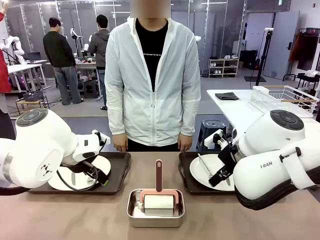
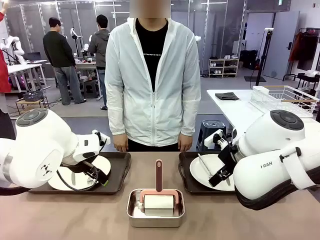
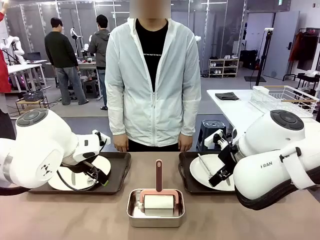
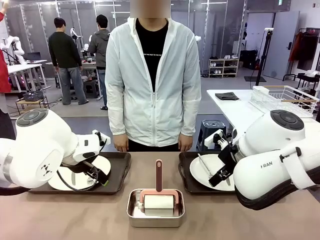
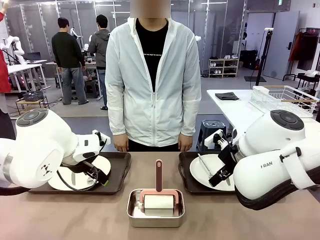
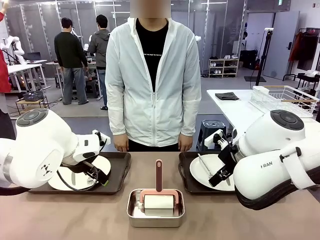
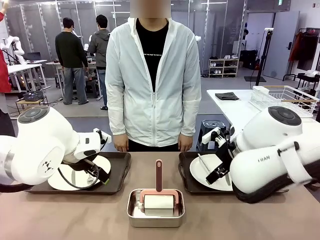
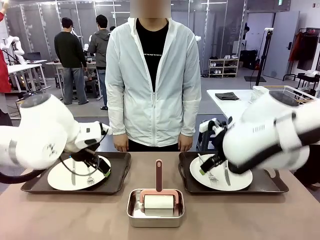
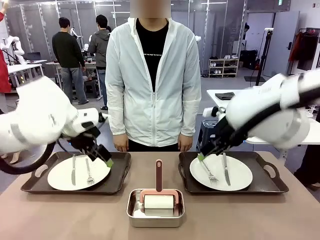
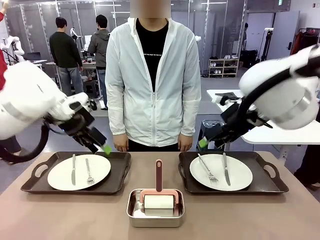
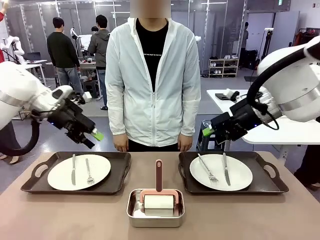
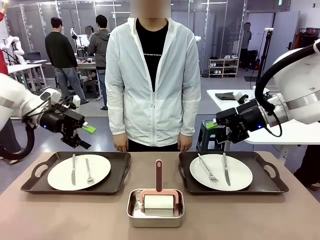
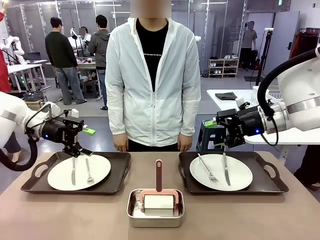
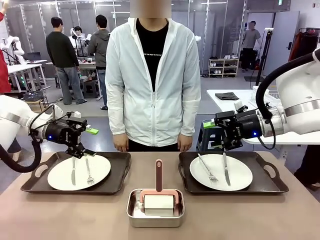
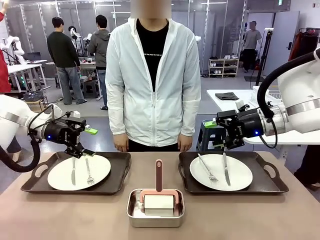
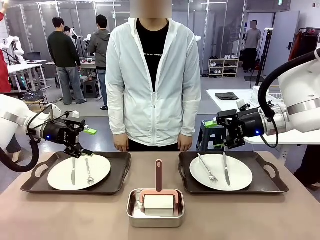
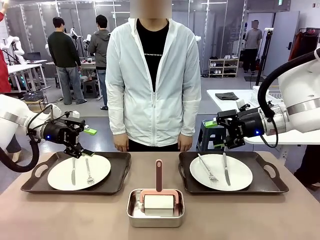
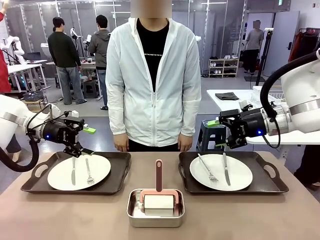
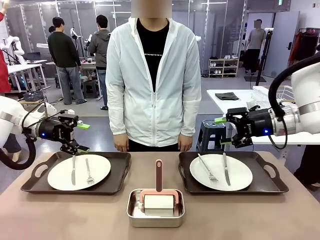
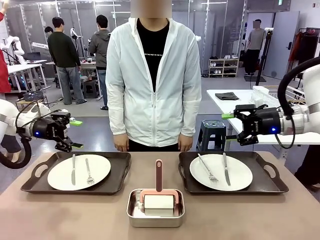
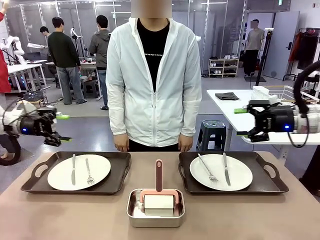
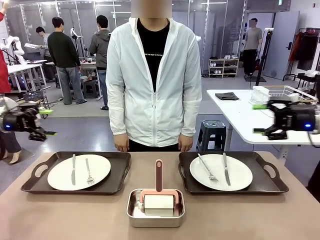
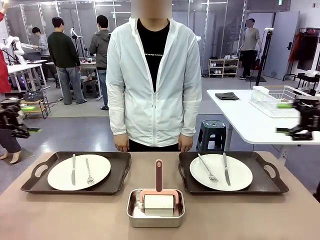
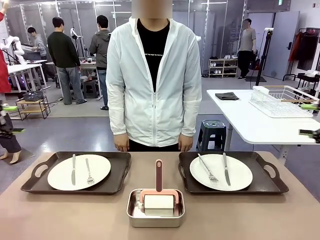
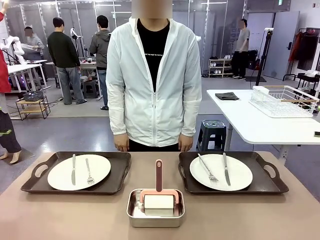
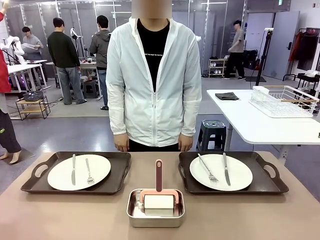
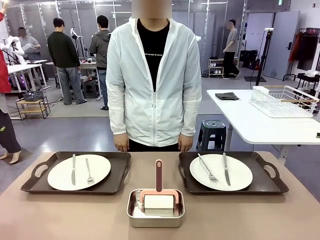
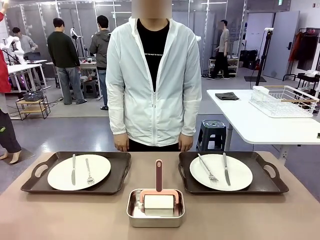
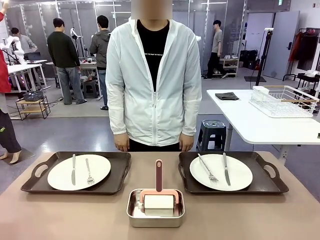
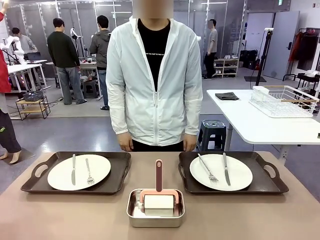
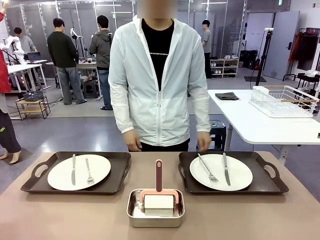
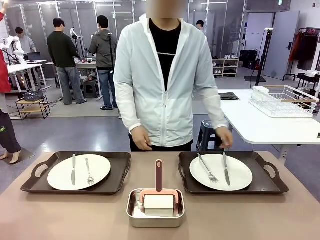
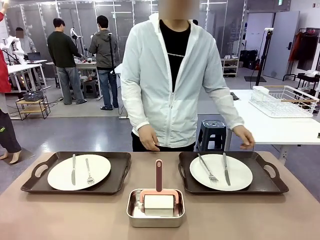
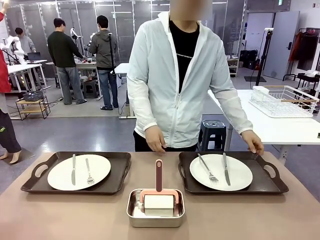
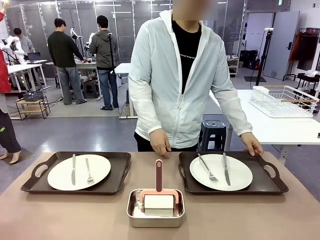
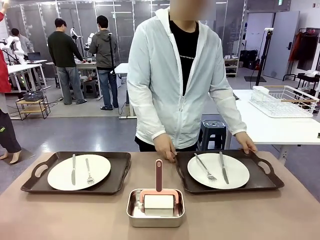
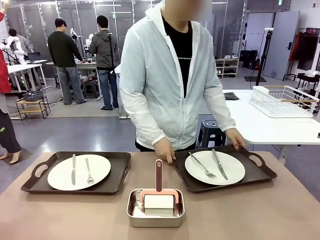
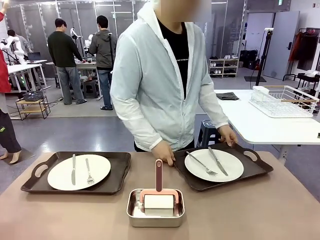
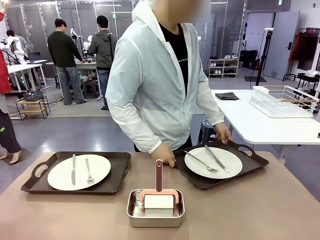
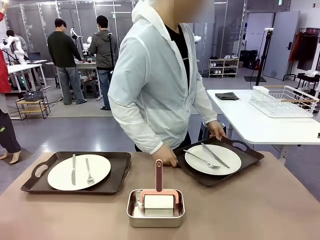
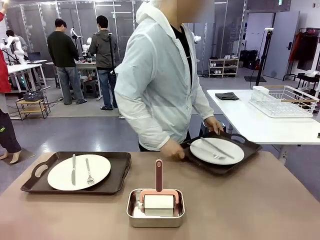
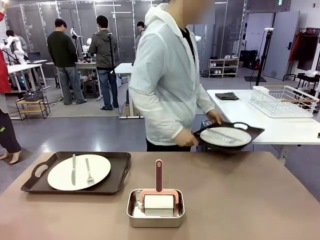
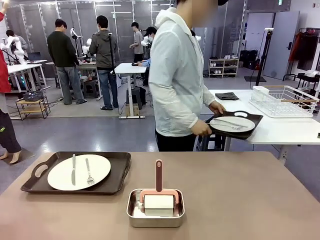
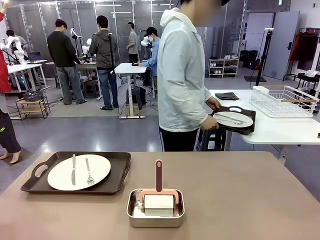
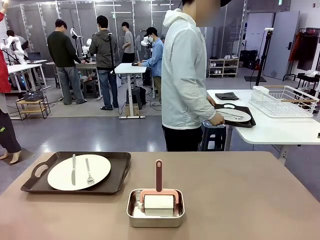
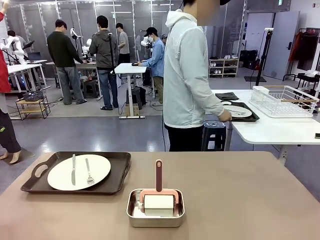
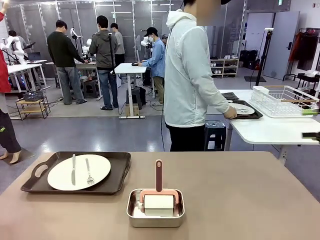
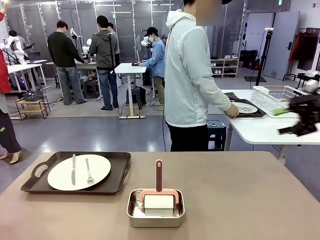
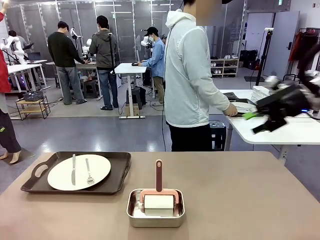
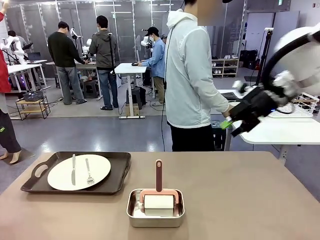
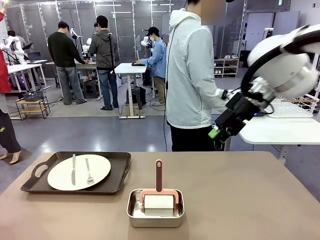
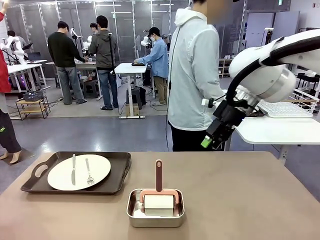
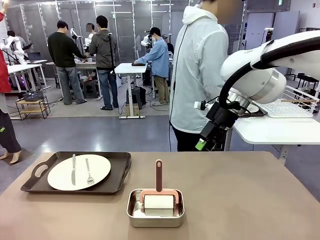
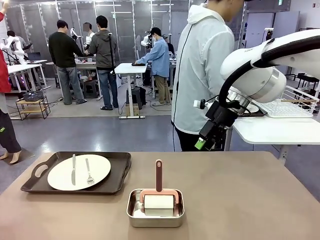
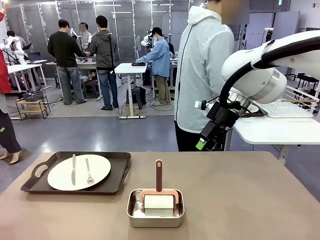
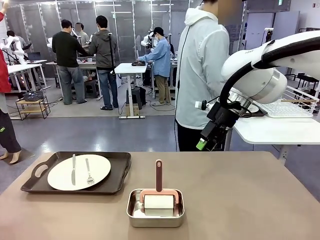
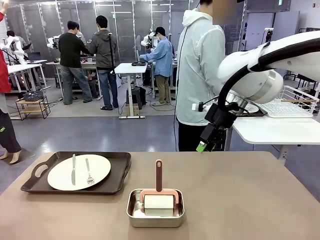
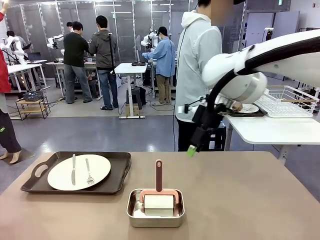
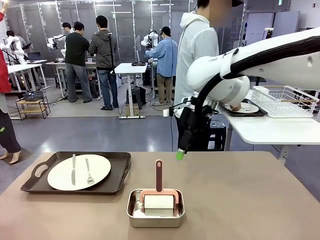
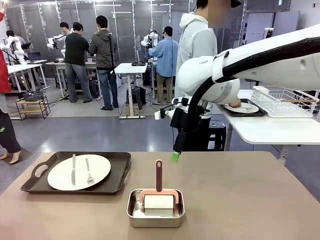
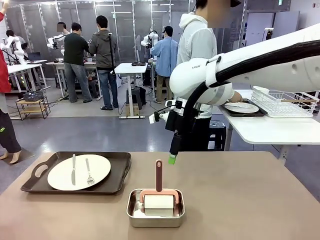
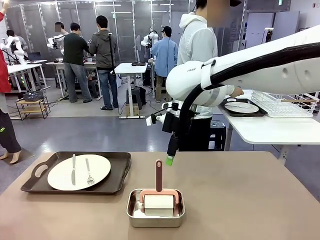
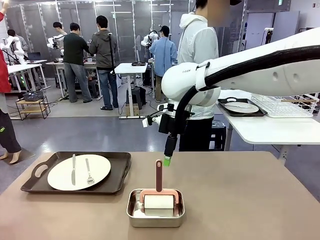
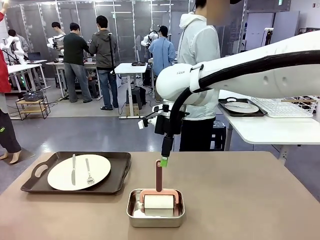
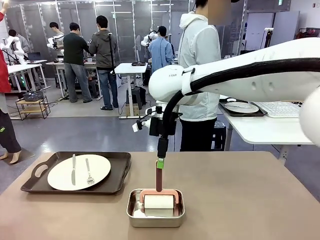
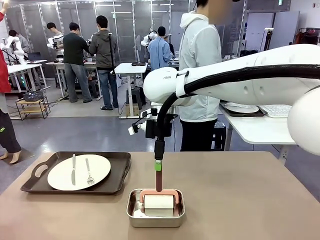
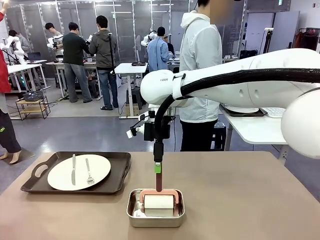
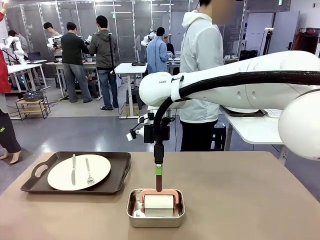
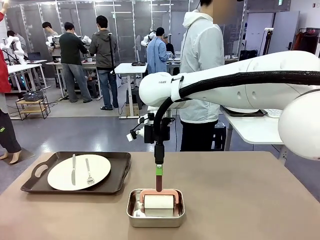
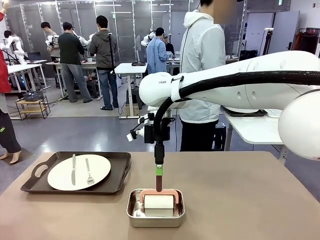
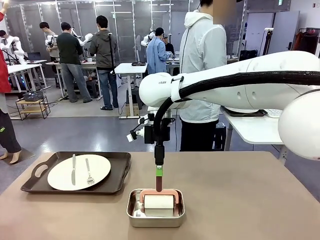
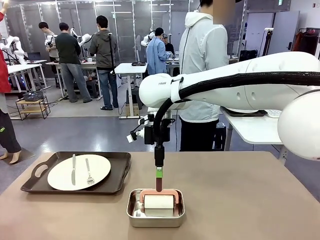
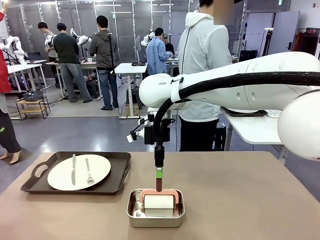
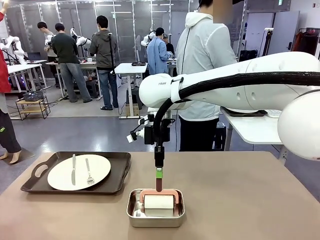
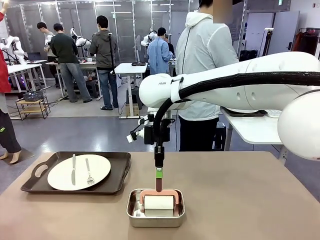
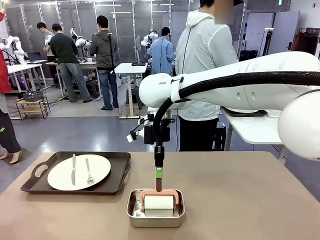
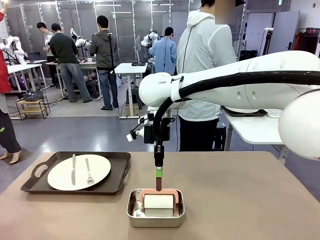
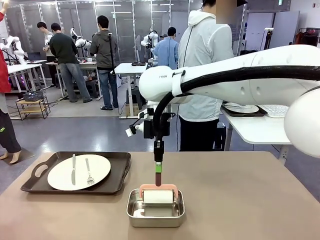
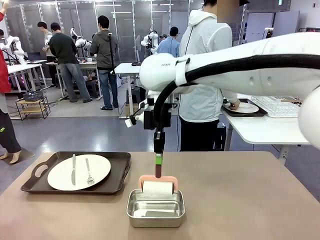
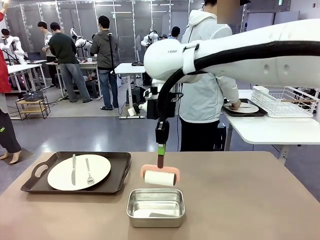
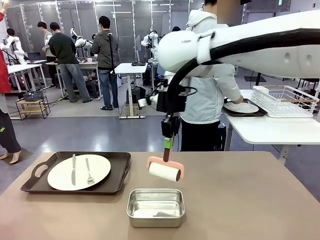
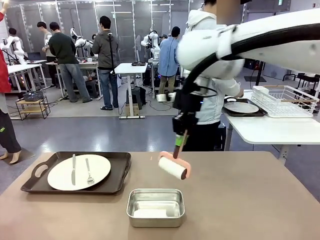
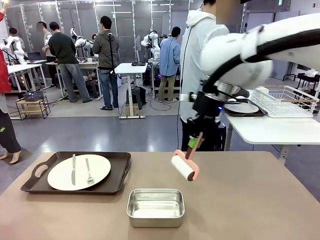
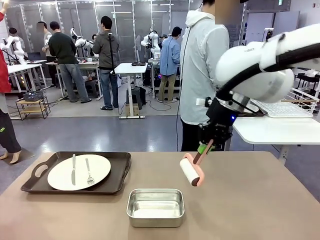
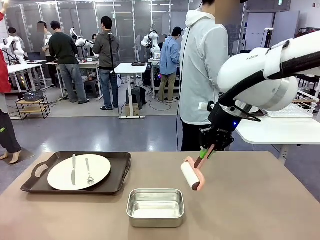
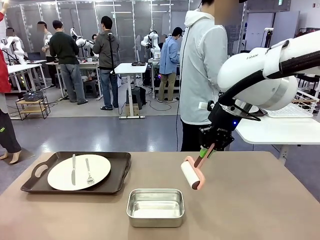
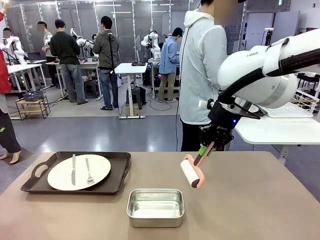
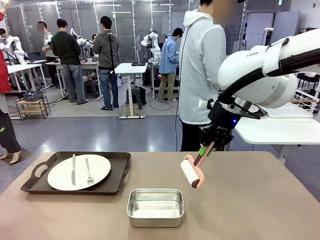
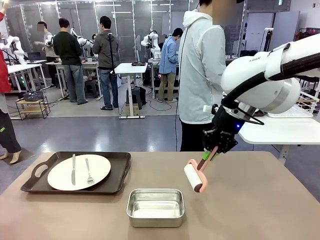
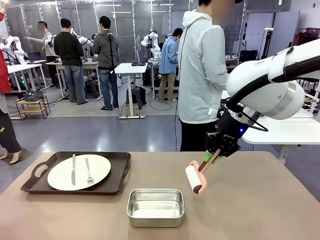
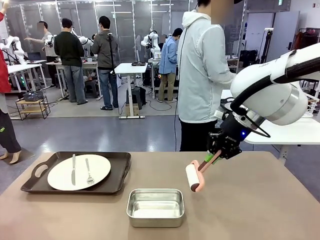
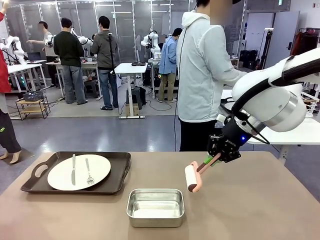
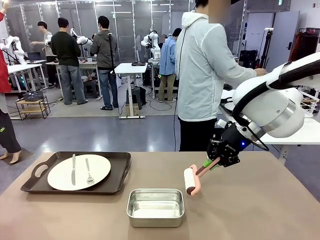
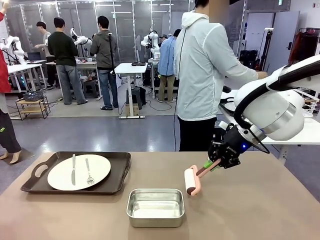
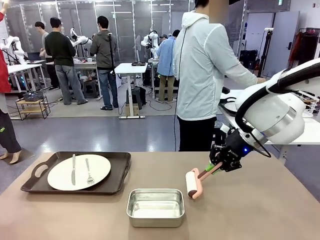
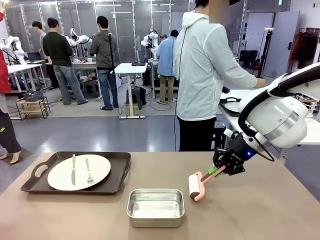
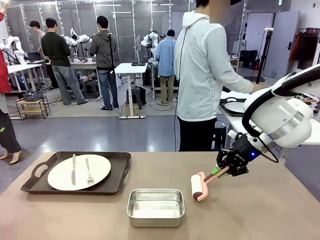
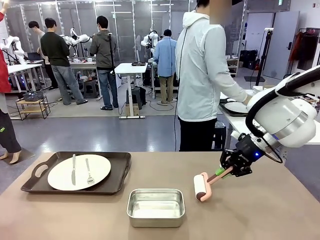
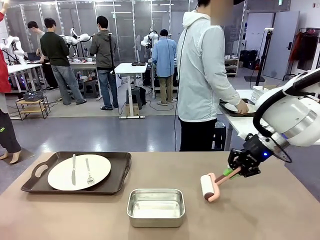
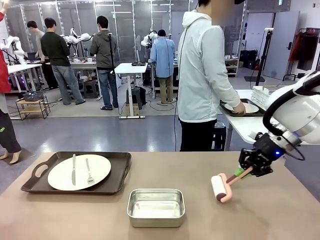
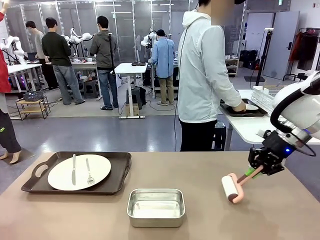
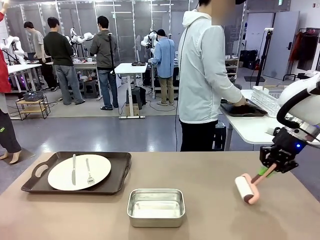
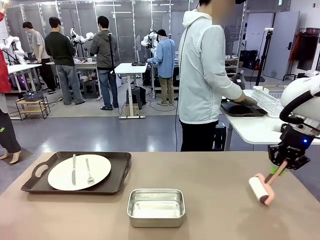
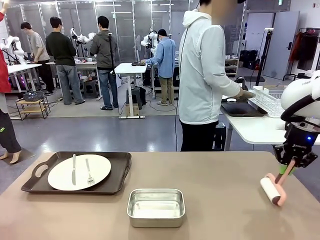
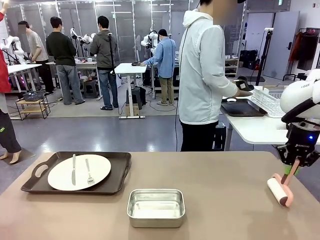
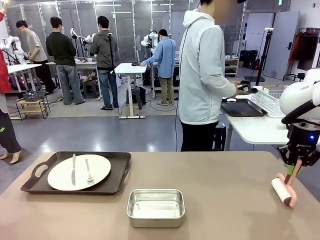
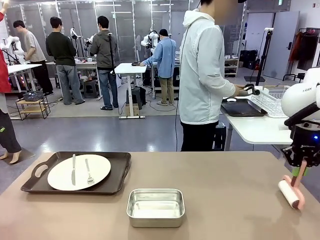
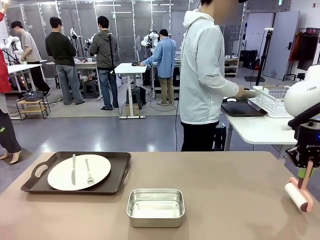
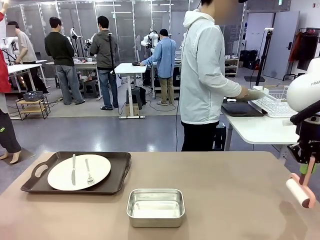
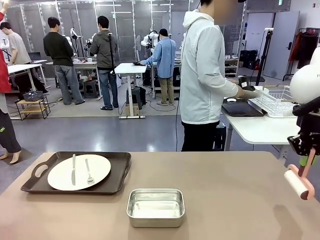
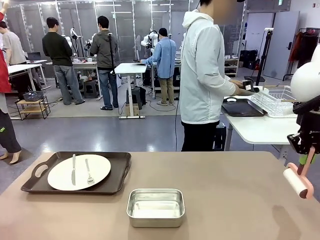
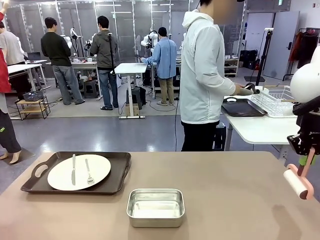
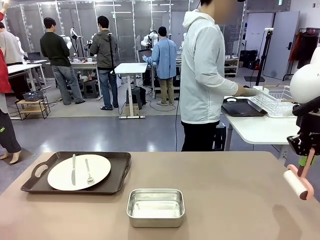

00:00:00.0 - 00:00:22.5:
Robot: When the left (or right) Handle tray is removed, use the left hand (or right hand) to clean the left (or right) side of the table with the Lint Roller.
Person: Pick up the left (or right) Handle tray and place it on the middle of the Human's table. Use the Towel with hook to wipe the Plastic Matte Plate , Fork , and Knife and place into the Dish drying rack.
